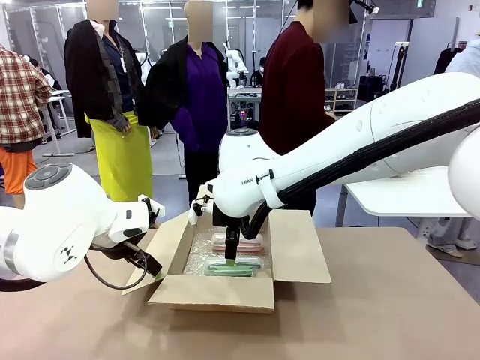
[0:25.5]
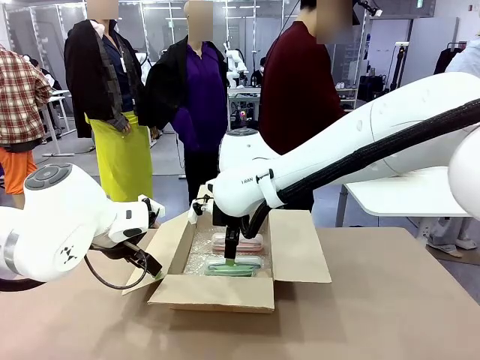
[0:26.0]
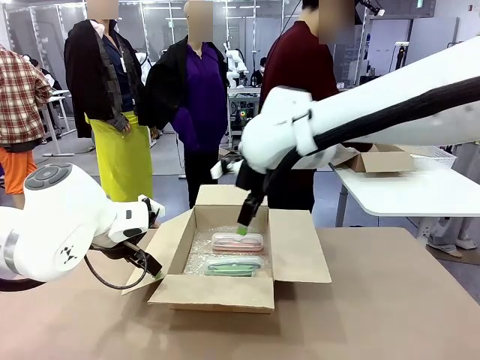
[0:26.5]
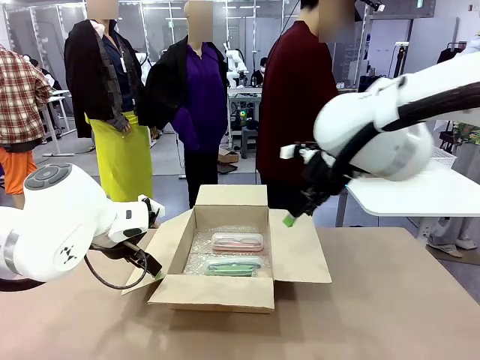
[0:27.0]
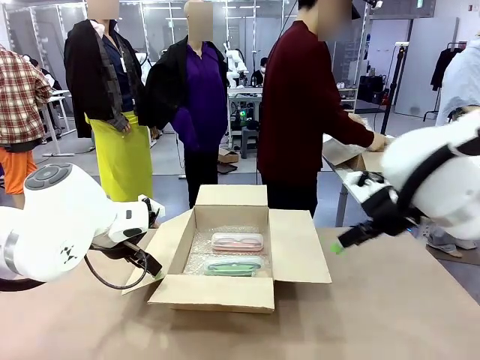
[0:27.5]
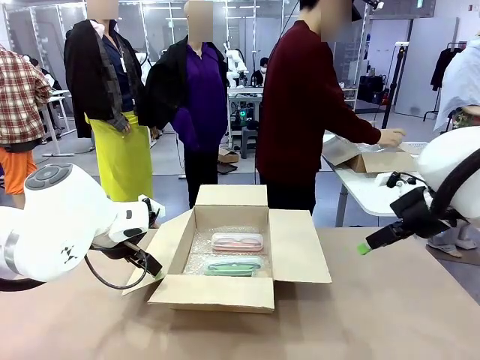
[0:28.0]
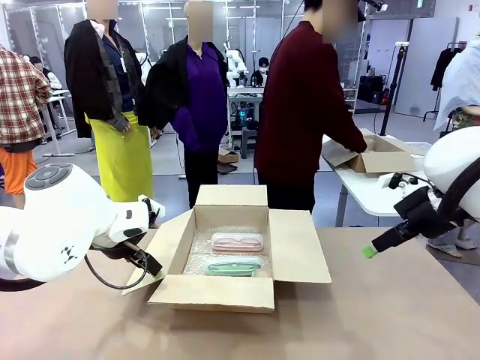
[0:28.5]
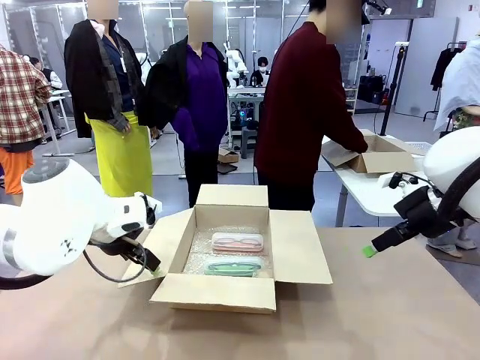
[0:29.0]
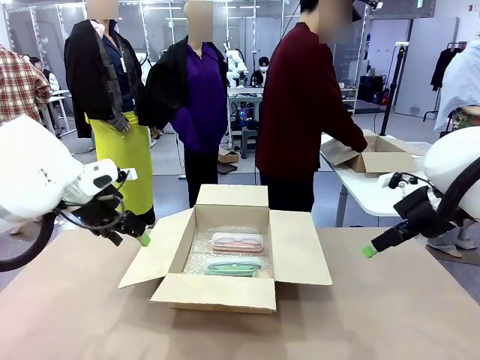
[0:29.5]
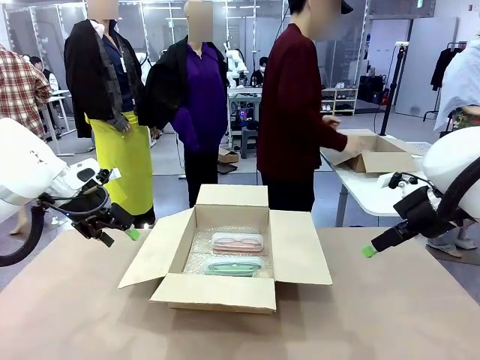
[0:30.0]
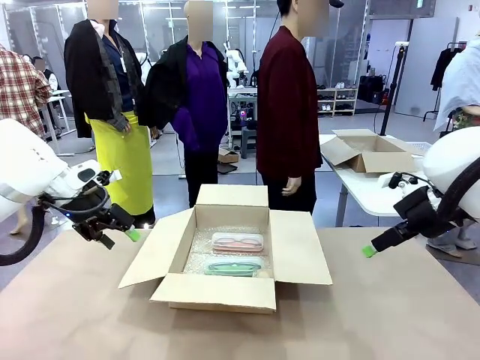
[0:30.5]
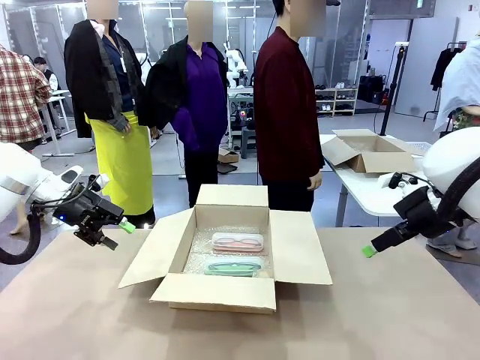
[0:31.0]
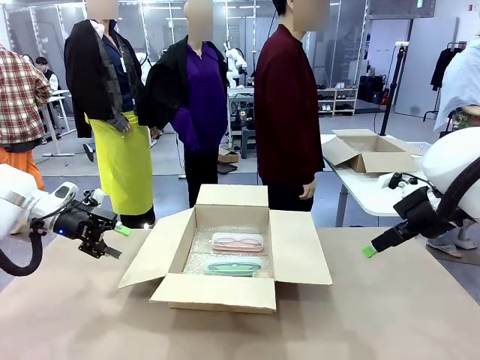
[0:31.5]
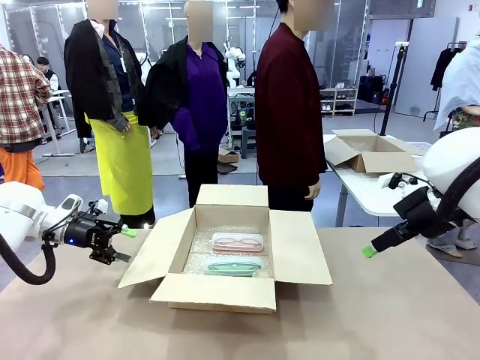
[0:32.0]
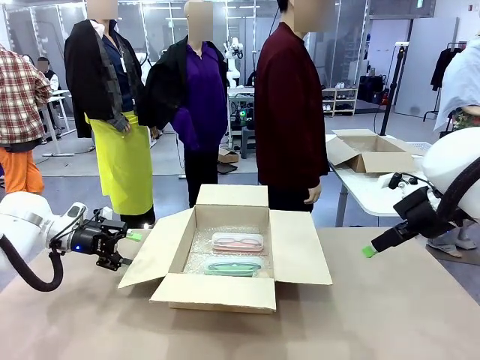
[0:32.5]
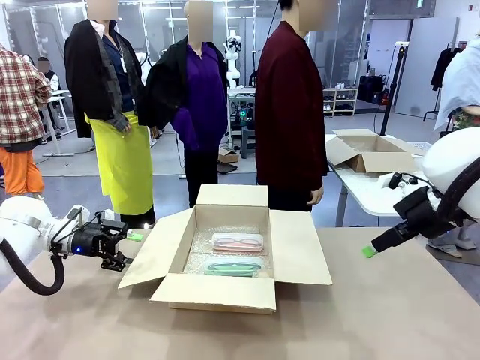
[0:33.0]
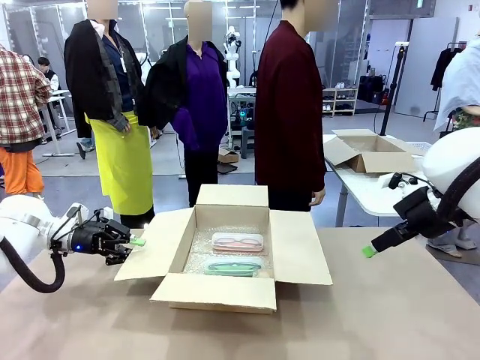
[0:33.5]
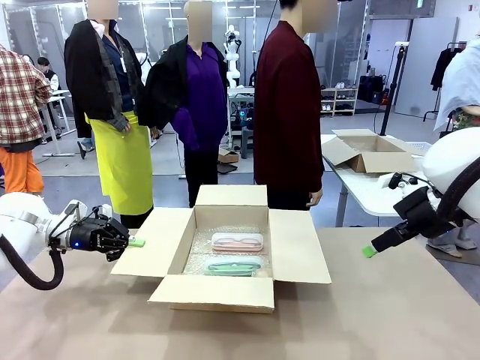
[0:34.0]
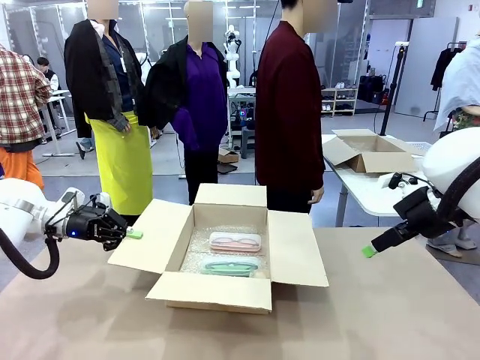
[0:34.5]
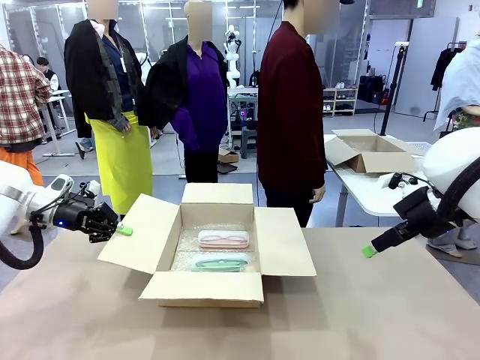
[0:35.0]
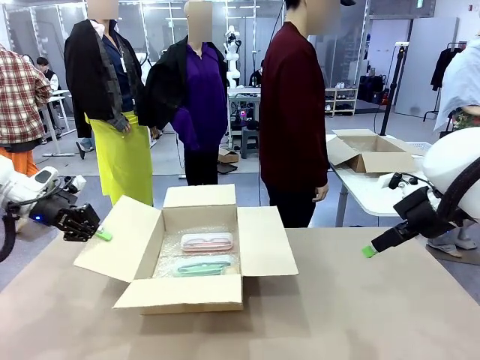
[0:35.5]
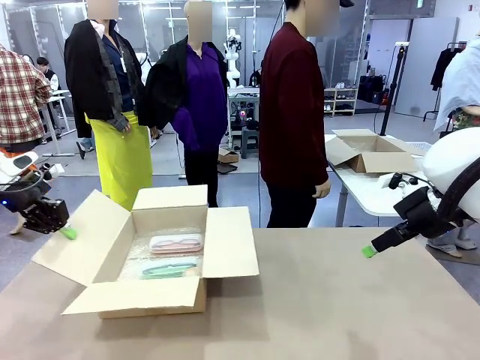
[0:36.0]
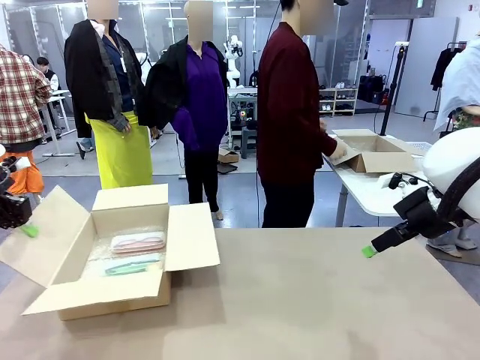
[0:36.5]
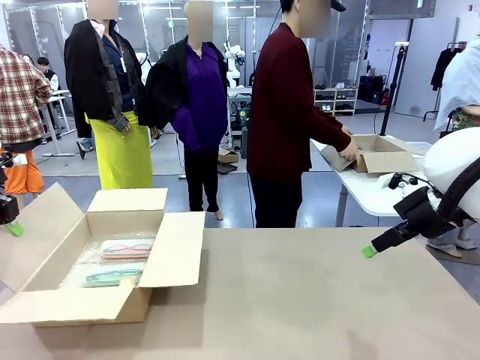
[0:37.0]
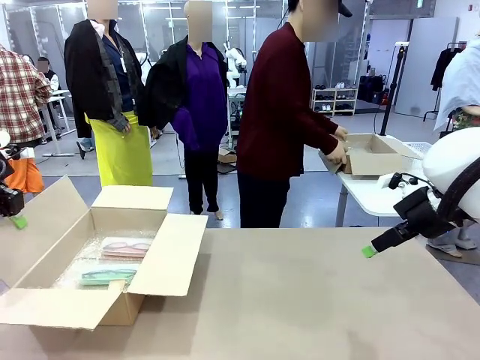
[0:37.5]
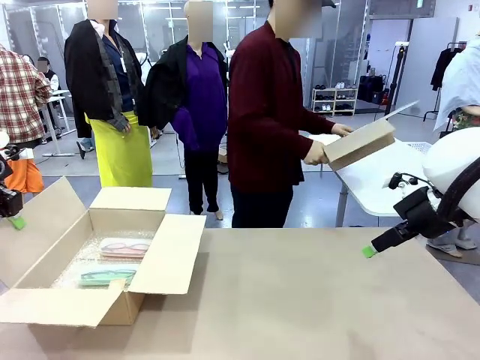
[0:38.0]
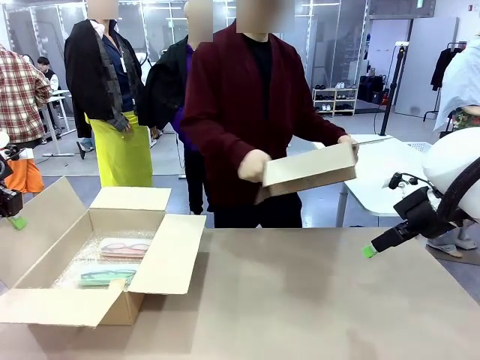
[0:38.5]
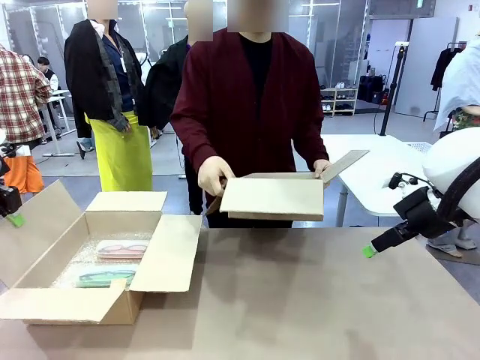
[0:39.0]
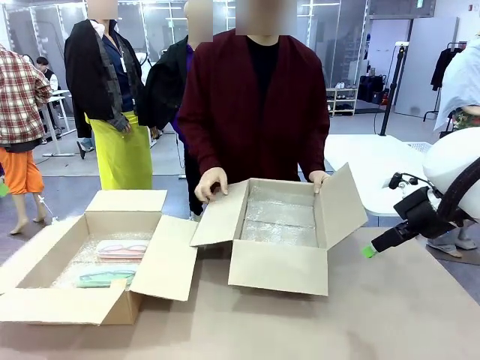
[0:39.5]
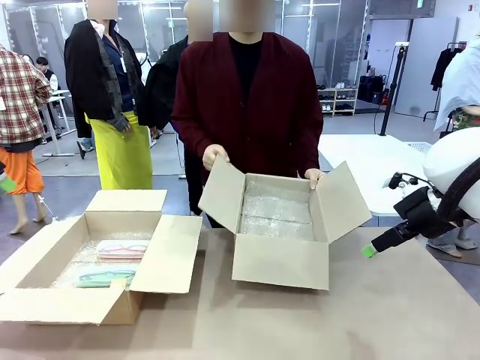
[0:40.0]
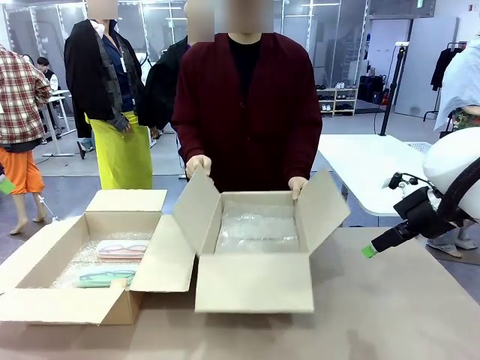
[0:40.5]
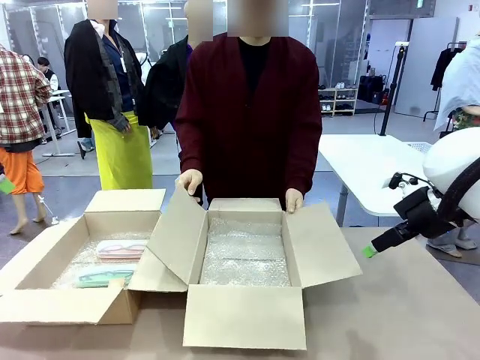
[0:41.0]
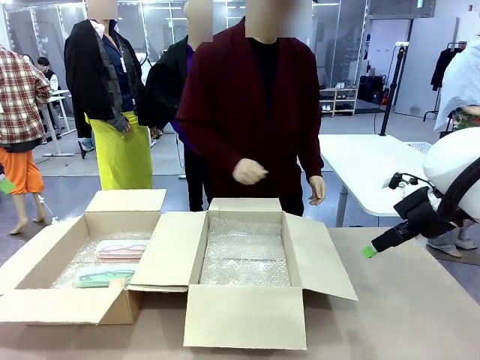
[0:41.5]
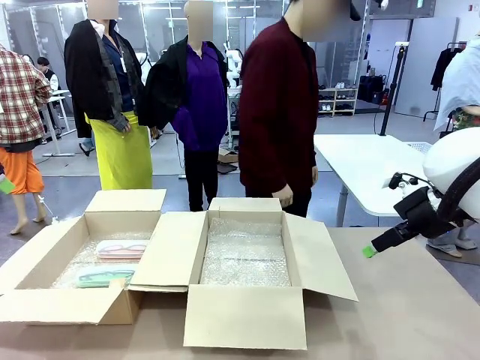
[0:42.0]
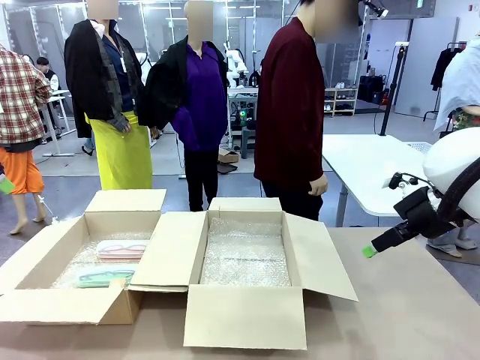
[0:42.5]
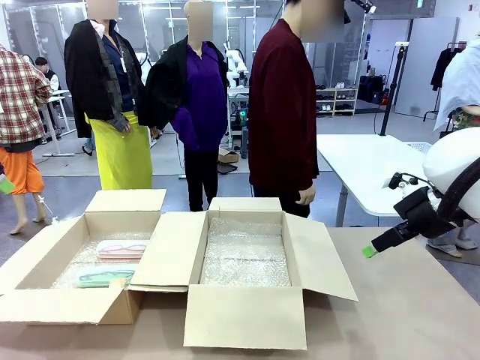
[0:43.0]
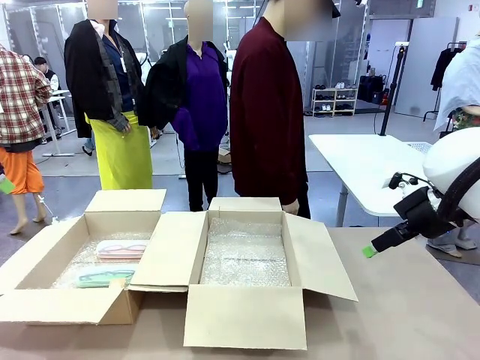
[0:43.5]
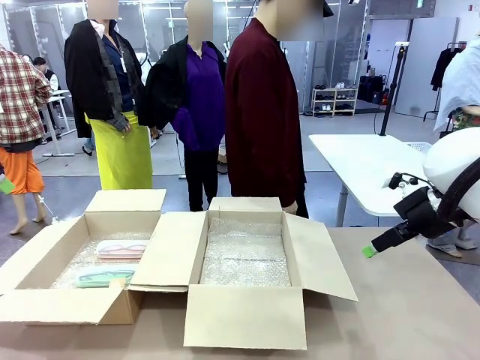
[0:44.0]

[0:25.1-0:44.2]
Task: Pack the glasses set securely to prepare it for shipping.
Robot: Position the Package Box on the left side of the table.
Person: Position the empty Package Box in the middle of the robot's table.

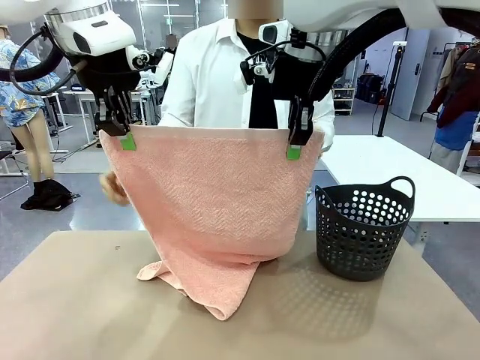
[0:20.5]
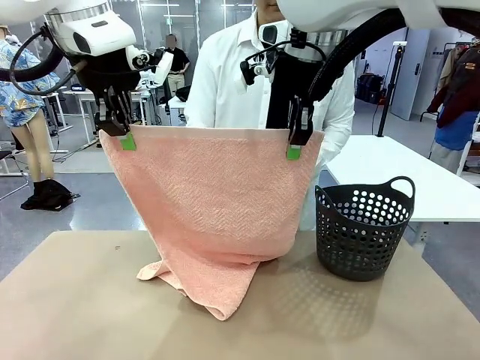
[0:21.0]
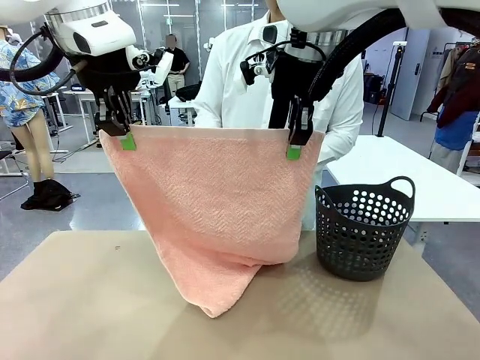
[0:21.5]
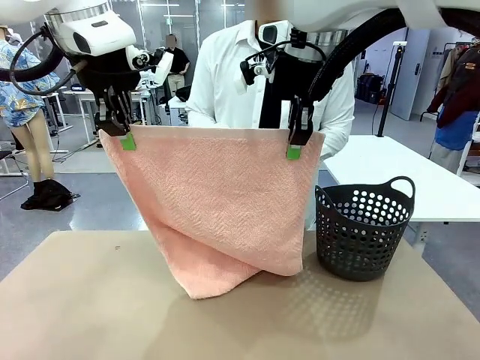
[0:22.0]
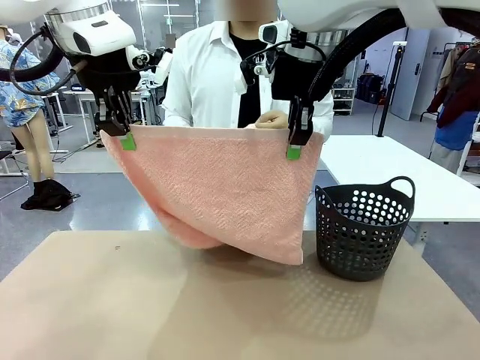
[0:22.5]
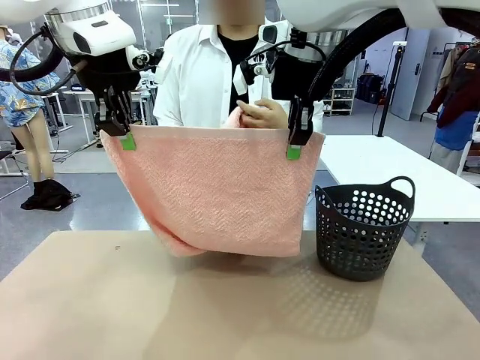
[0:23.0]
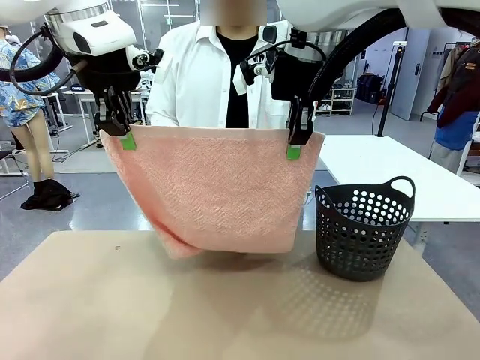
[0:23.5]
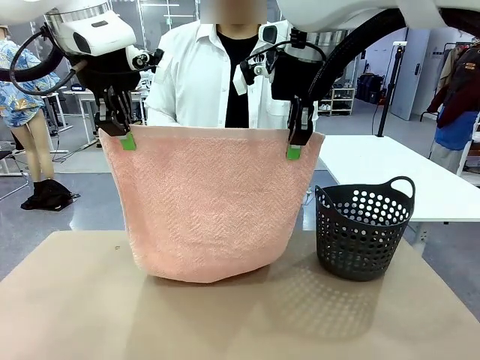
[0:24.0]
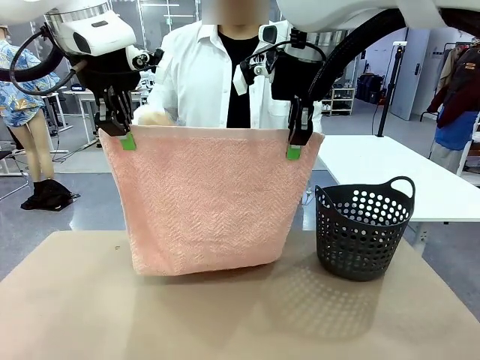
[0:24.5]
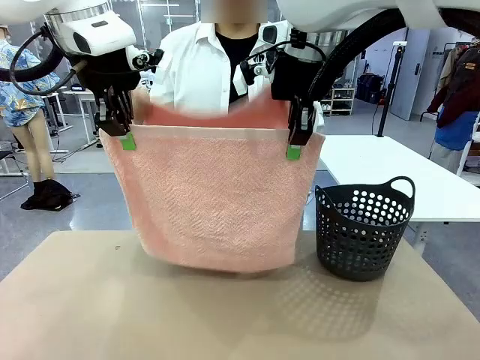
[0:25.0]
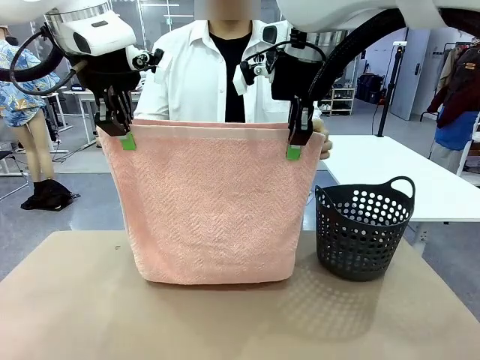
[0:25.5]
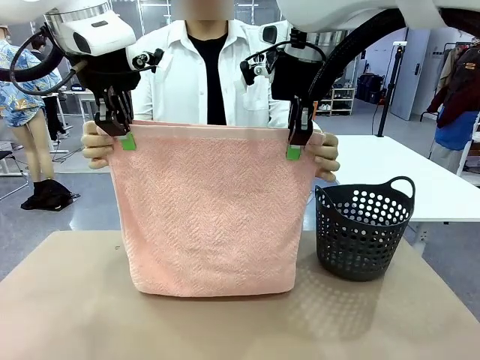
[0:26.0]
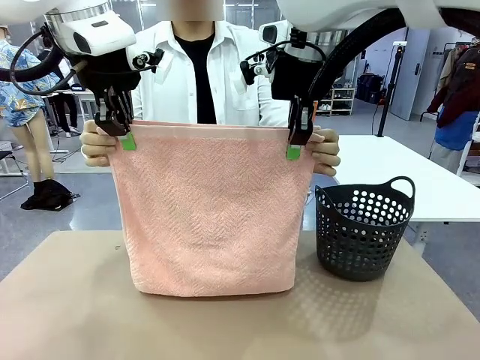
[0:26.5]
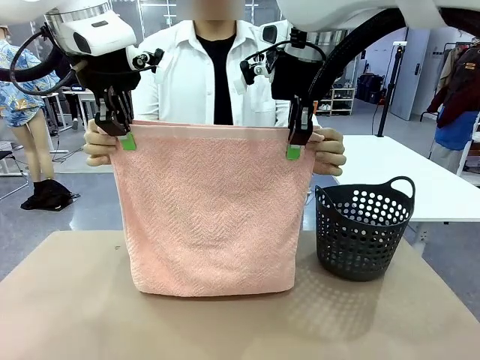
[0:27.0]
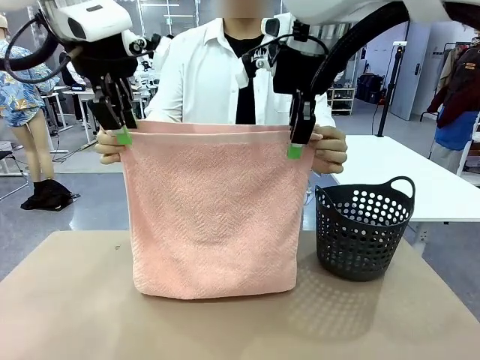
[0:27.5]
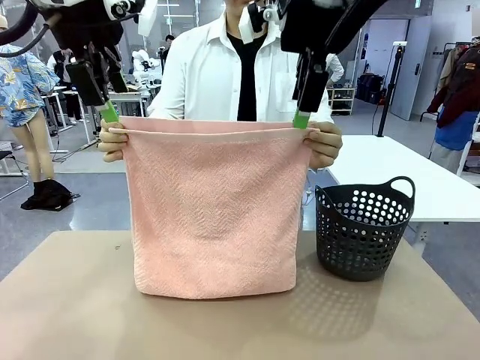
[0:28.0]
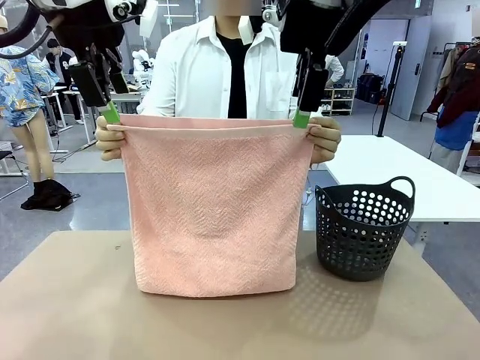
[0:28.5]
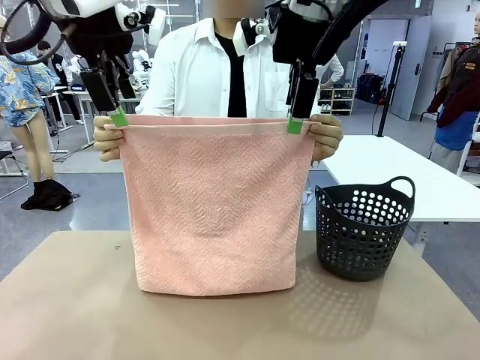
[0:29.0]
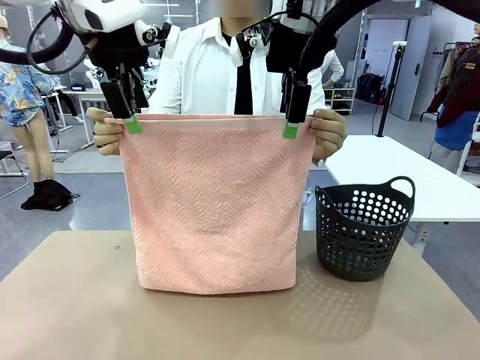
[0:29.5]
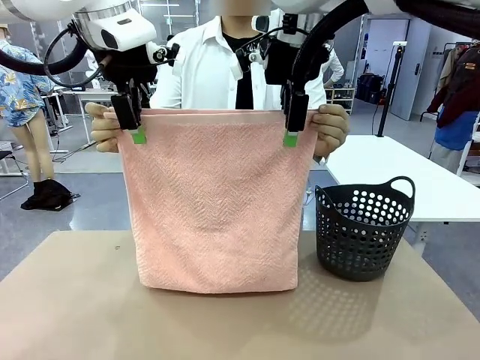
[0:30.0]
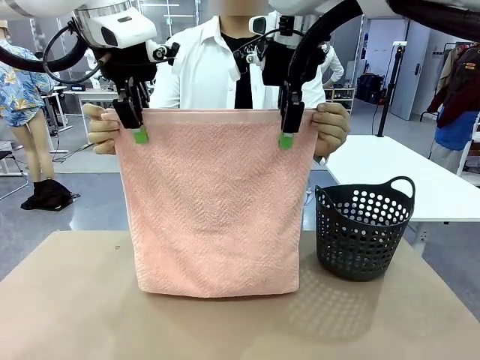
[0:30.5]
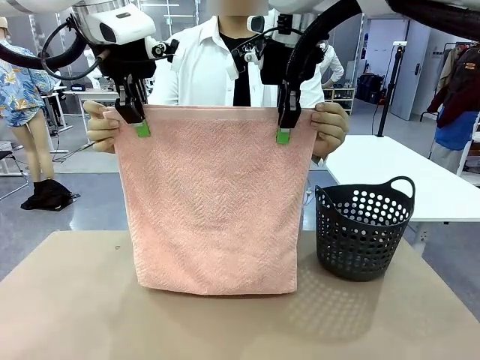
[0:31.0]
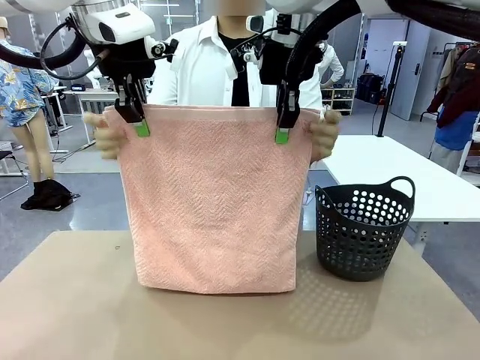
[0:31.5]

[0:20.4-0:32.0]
Task: Fold the towel.
Robot: Release the end of the 100 cm Hotel Towel you were holding and grab the top end of the folded side.
